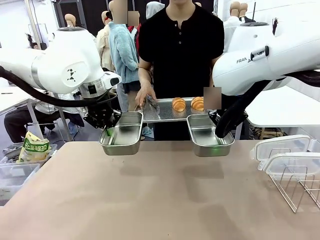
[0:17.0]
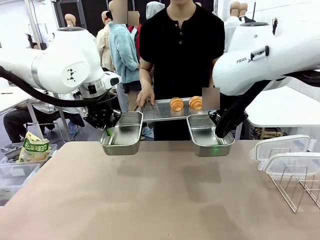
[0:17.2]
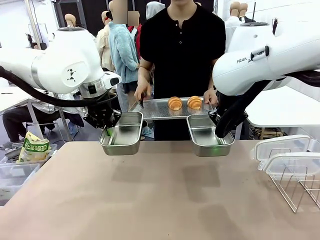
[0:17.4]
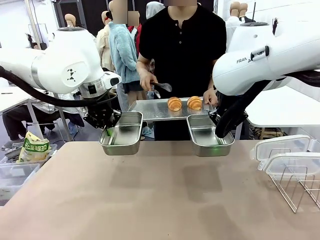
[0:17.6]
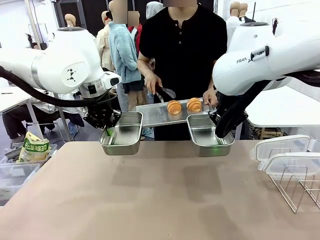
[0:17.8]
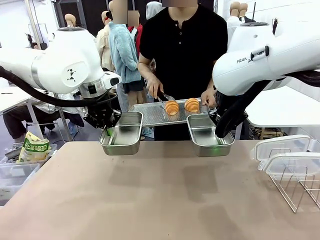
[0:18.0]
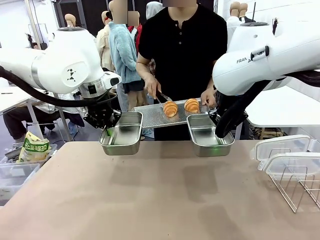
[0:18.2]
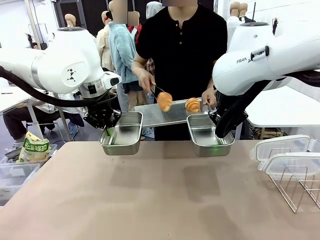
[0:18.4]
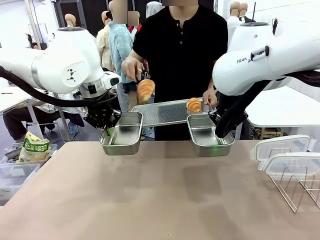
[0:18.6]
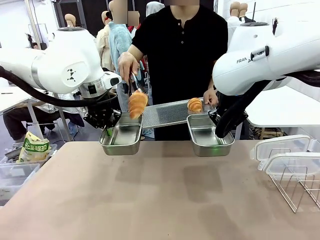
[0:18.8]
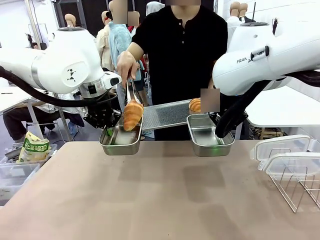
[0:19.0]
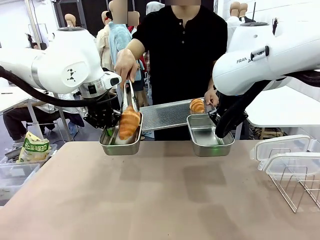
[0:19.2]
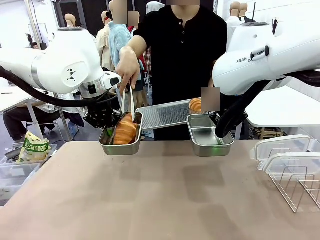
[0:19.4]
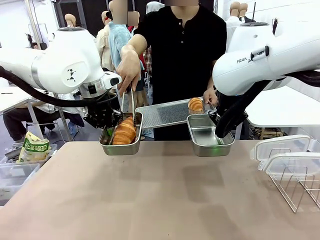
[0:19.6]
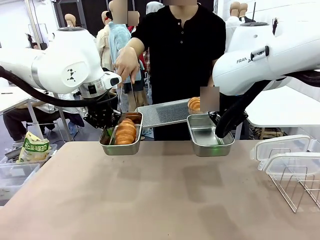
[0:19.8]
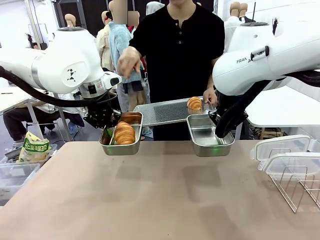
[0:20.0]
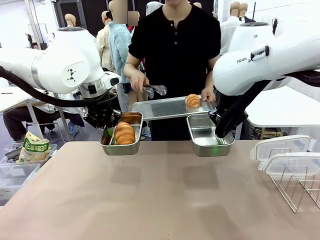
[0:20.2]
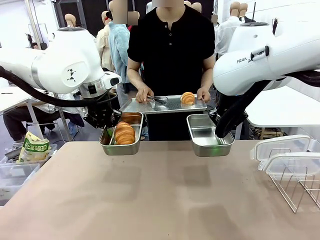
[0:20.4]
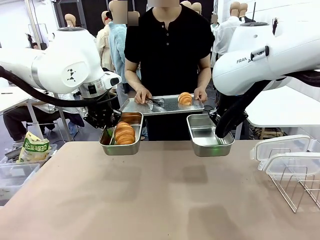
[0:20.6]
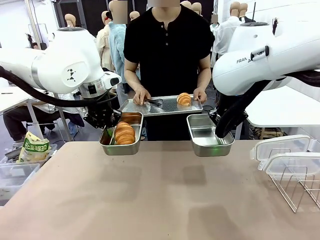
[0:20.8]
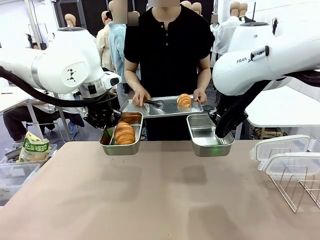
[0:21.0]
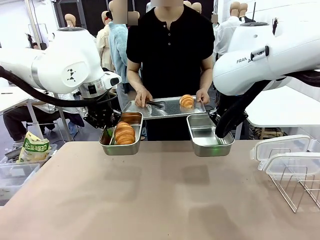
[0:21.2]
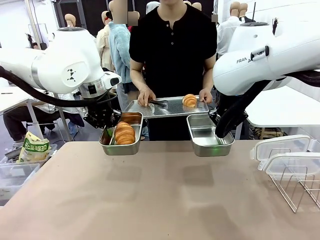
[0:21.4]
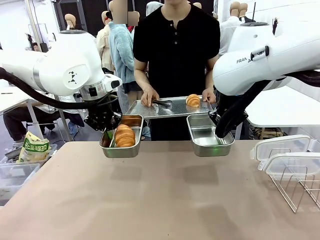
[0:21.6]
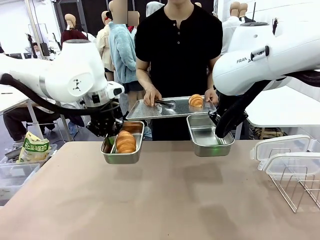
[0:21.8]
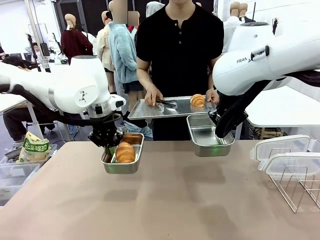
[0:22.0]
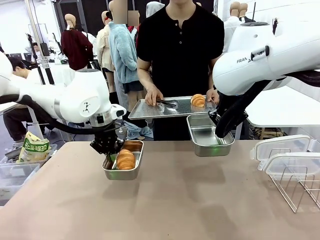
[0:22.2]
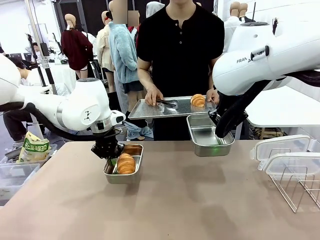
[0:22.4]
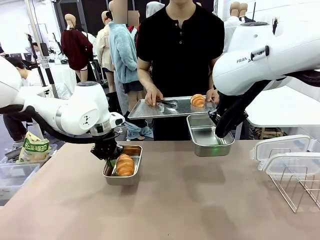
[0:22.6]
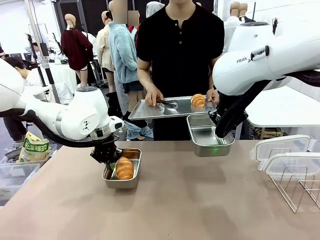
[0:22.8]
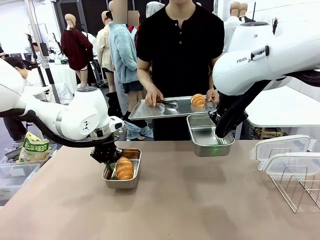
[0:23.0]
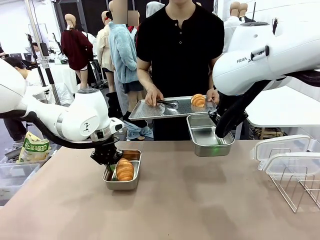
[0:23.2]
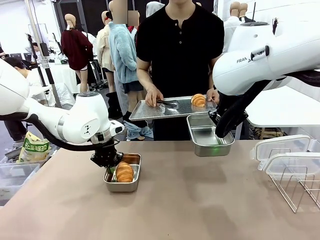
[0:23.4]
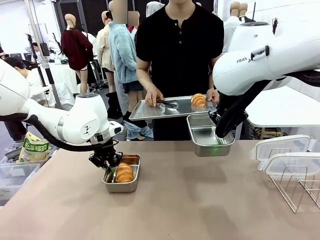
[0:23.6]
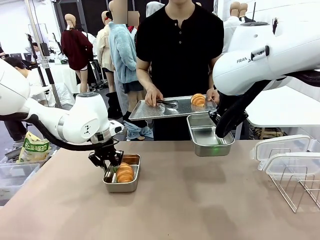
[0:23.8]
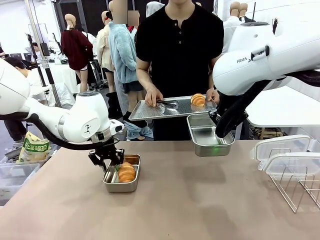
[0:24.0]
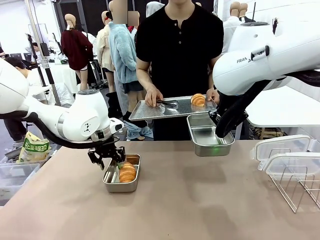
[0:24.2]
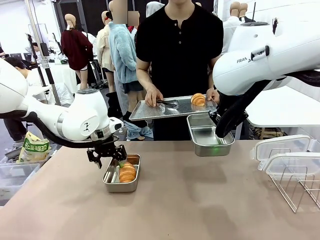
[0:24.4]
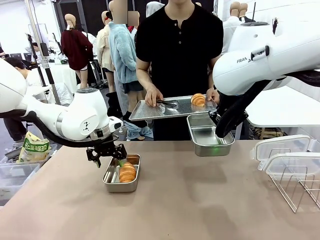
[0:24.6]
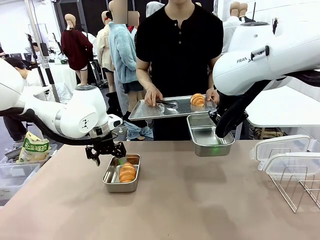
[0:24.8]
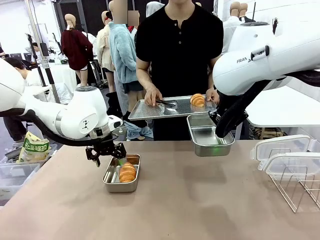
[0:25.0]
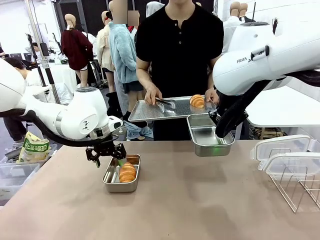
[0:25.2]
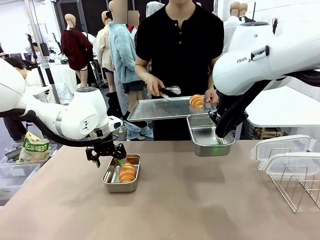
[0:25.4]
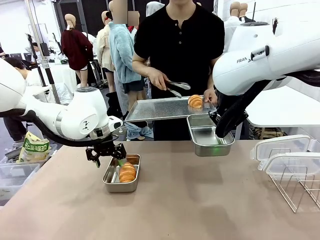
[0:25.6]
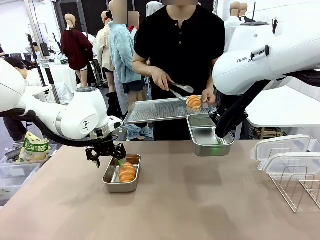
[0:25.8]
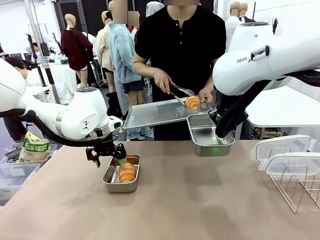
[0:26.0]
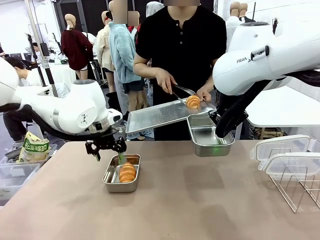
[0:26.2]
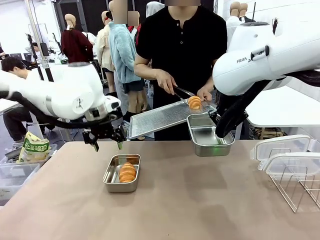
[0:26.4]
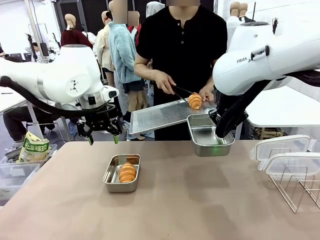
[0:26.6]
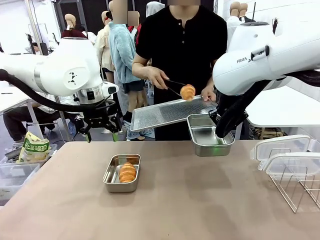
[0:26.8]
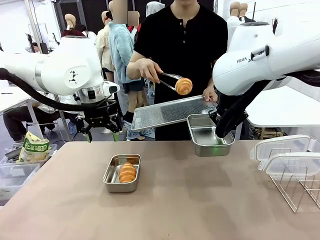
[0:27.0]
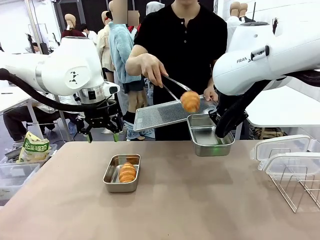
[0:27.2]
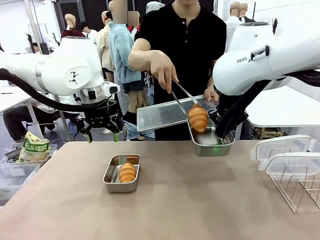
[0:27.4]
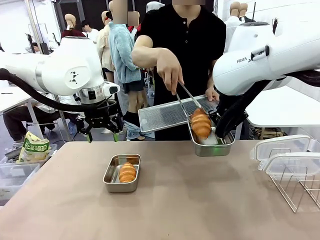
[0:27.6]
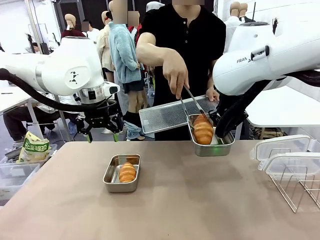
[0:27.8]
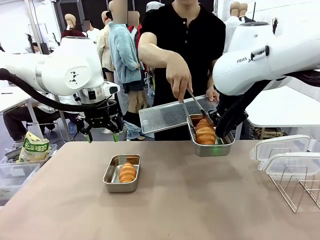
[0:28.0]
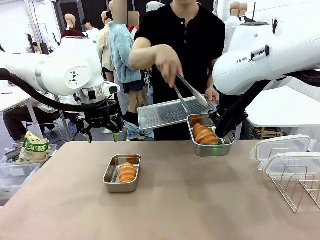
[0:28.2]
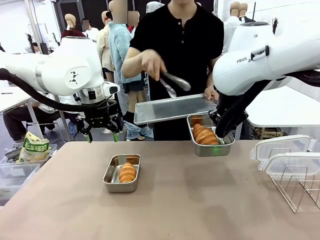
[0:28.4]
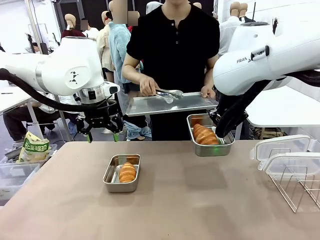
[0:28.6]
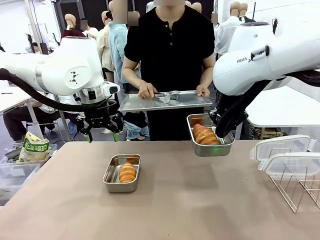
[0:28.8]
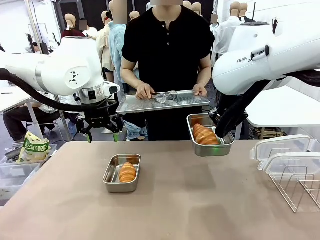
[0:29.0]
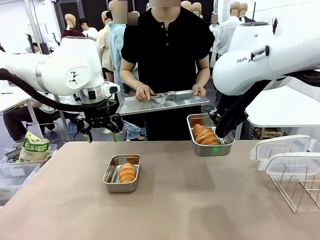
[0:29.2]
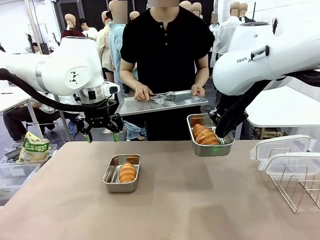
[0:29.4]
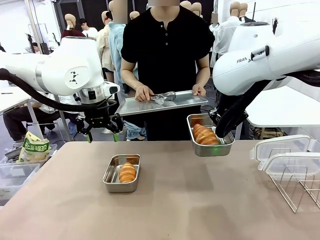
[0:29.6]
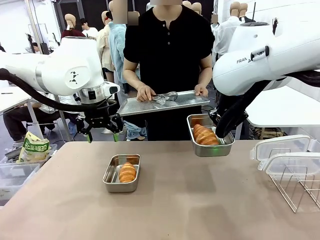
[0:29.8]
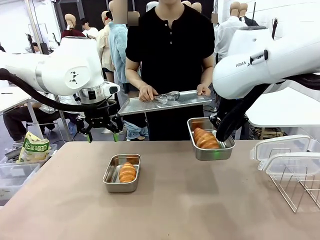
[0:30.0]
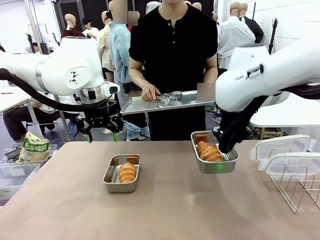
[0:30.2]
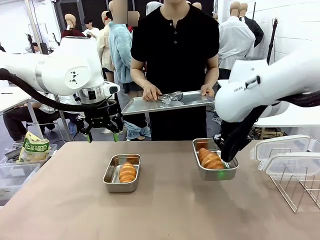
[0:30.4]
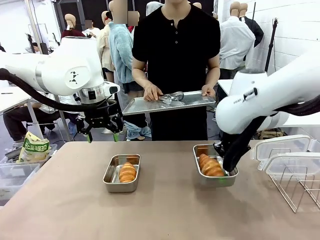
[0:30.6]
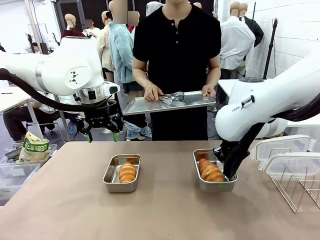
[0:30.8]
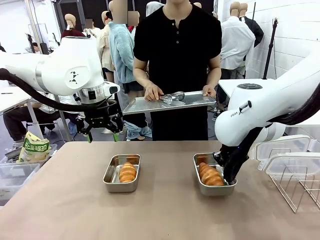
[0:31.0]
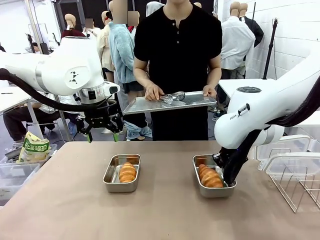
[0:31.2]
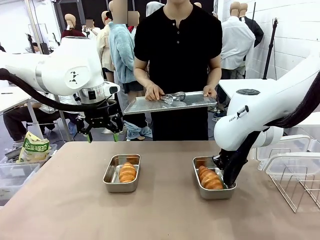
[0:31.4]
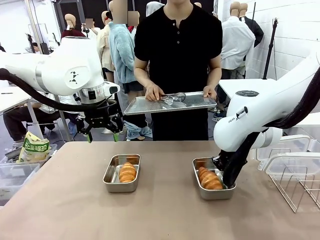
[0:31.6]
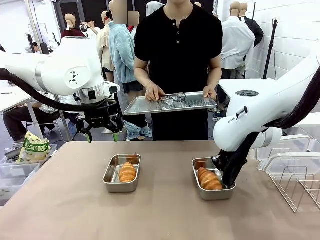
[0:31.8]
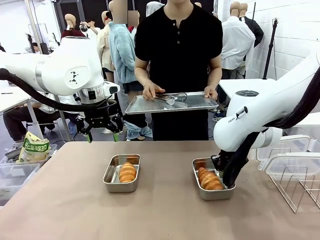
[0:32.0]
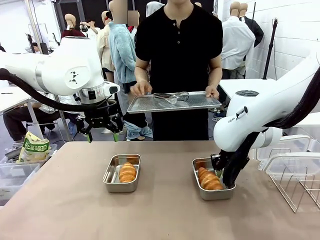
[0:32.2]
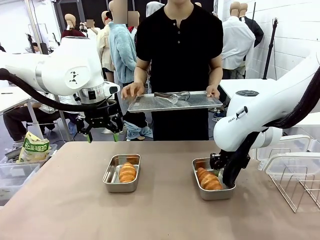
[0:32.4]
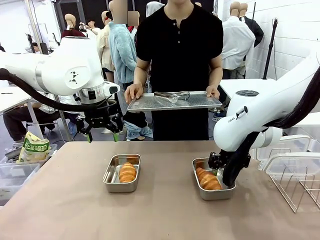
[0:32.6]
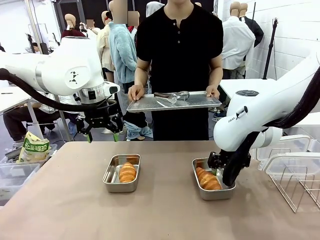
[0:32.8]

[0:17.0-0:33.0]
Task: Place the bread in airtight containers.
Robot: Once an object is inside an Airtight Container , place the container in the center of the table.
Person: Use the Stainless steel tongs to place one object from Baking Sheet into one Airtight Container. Place Baking Sheet on the Human's Table.
